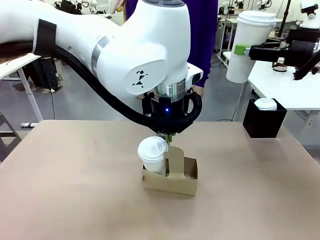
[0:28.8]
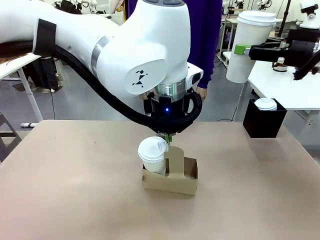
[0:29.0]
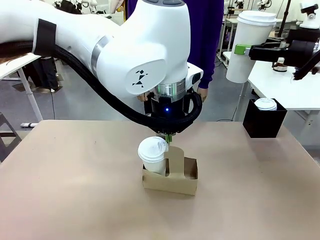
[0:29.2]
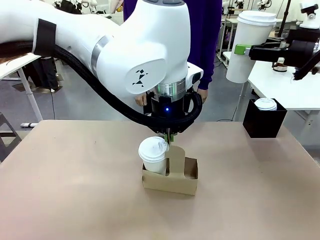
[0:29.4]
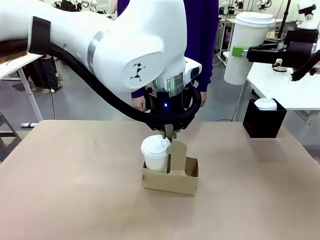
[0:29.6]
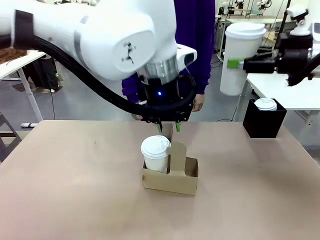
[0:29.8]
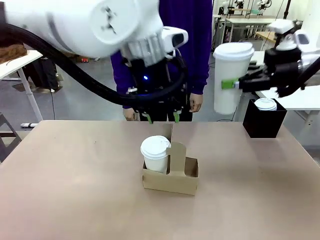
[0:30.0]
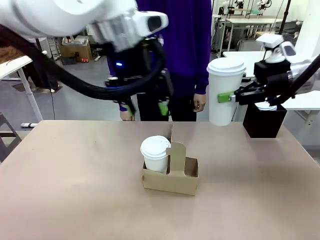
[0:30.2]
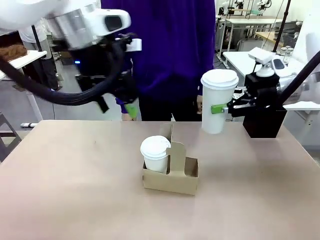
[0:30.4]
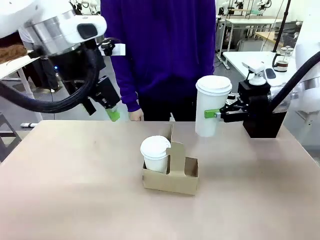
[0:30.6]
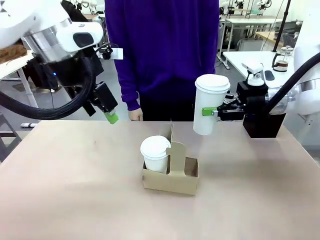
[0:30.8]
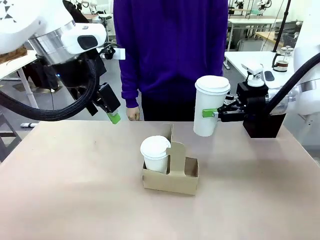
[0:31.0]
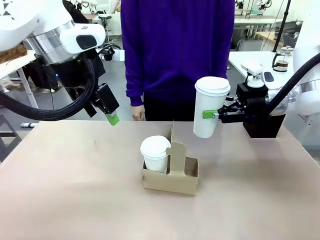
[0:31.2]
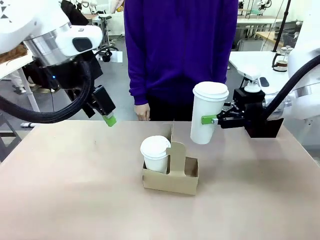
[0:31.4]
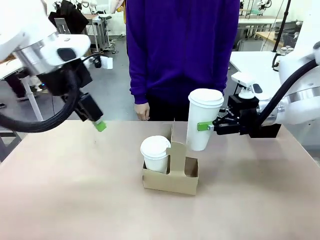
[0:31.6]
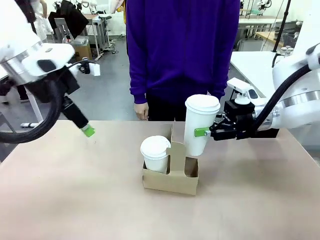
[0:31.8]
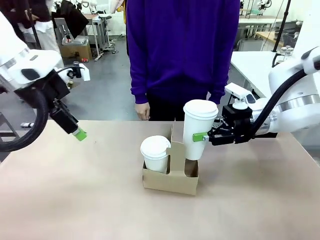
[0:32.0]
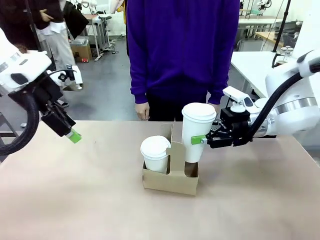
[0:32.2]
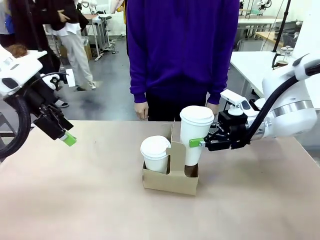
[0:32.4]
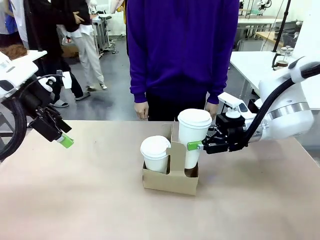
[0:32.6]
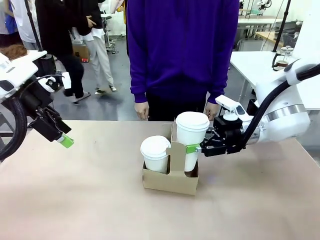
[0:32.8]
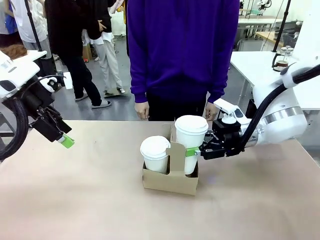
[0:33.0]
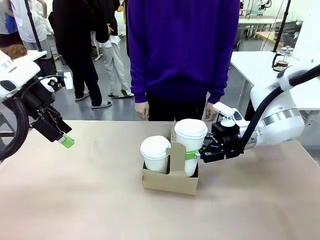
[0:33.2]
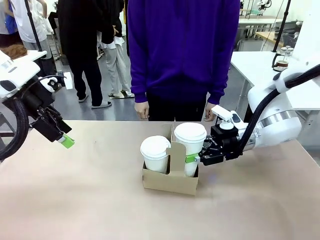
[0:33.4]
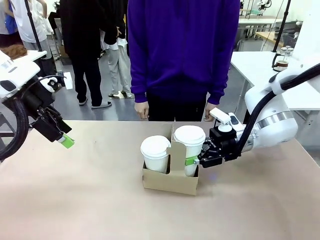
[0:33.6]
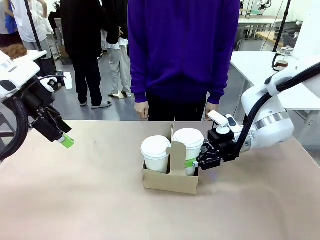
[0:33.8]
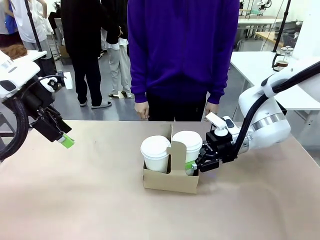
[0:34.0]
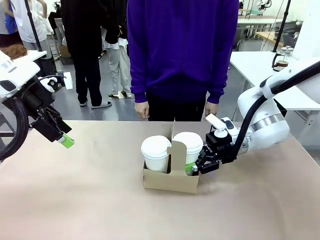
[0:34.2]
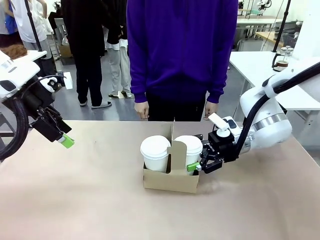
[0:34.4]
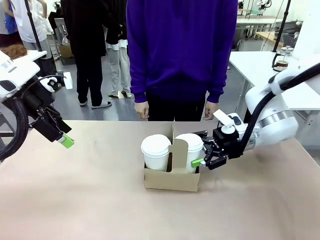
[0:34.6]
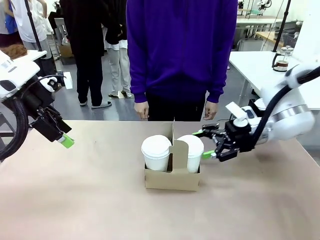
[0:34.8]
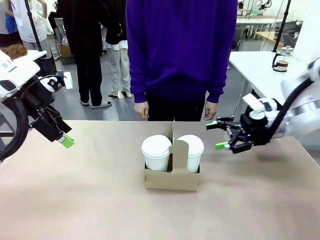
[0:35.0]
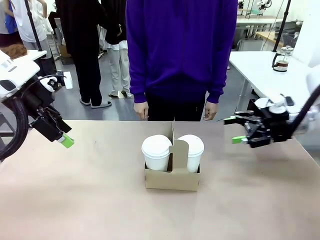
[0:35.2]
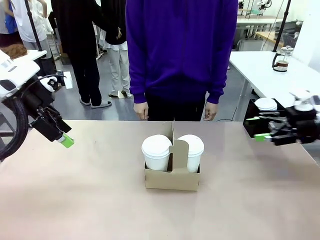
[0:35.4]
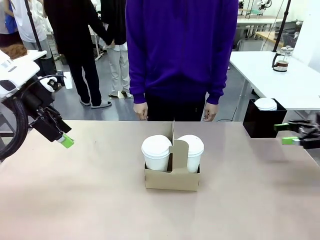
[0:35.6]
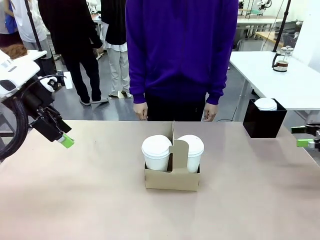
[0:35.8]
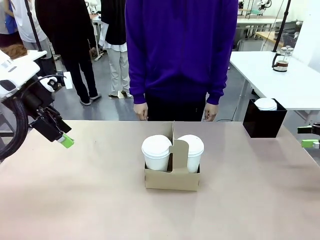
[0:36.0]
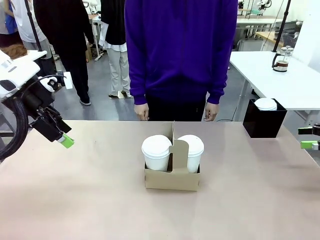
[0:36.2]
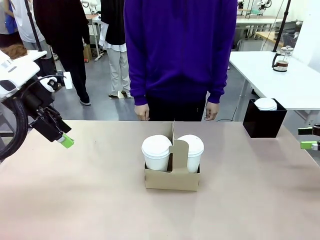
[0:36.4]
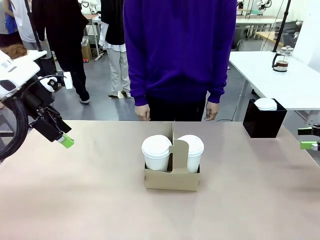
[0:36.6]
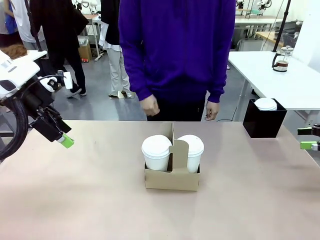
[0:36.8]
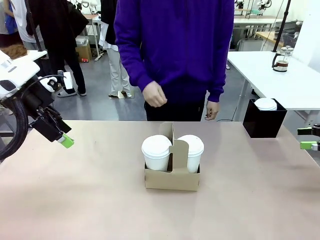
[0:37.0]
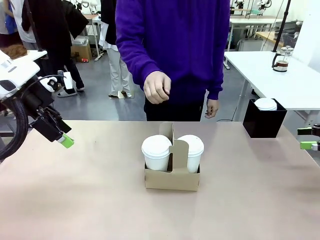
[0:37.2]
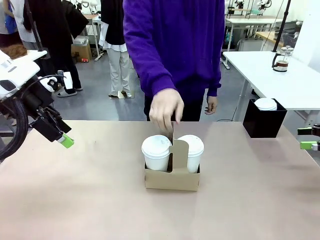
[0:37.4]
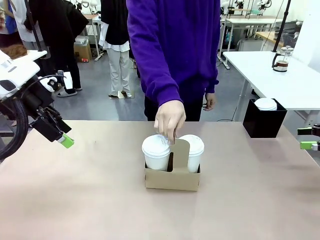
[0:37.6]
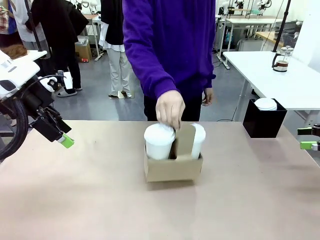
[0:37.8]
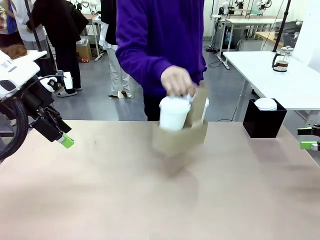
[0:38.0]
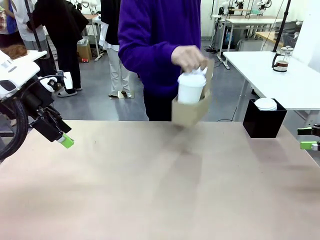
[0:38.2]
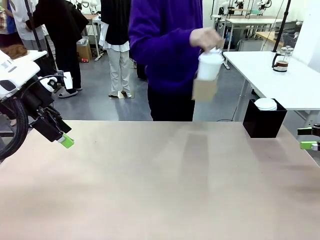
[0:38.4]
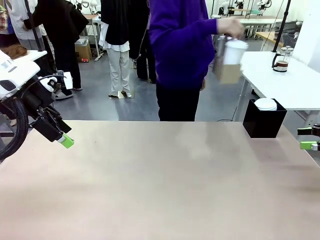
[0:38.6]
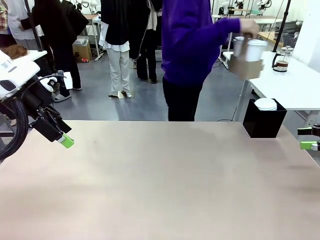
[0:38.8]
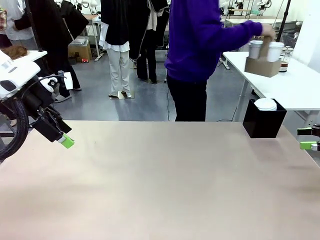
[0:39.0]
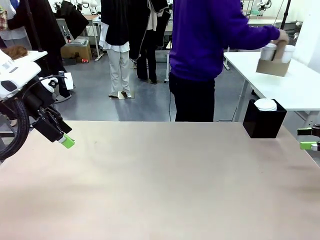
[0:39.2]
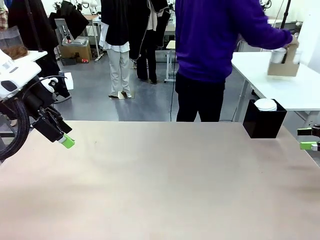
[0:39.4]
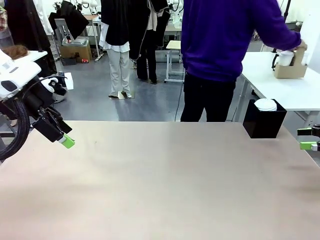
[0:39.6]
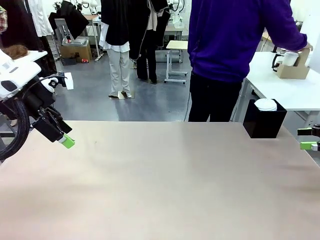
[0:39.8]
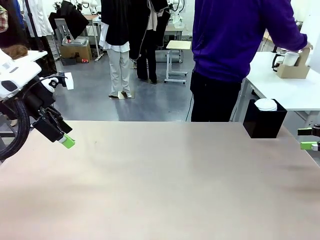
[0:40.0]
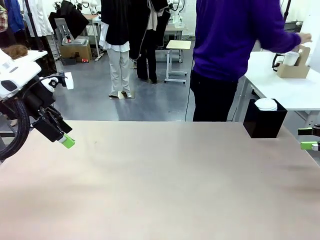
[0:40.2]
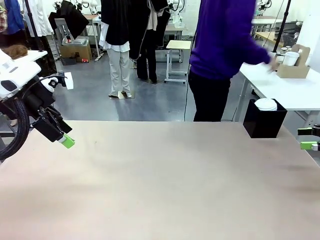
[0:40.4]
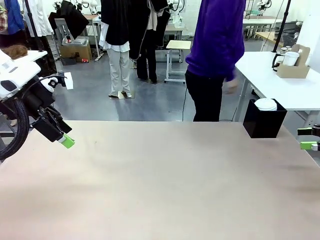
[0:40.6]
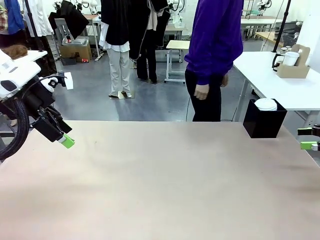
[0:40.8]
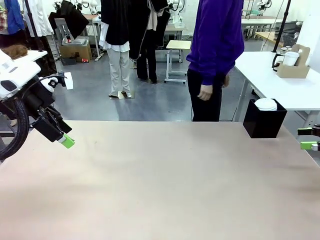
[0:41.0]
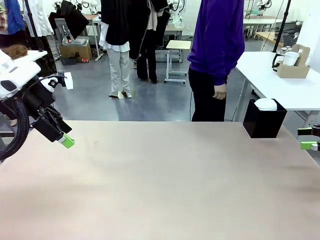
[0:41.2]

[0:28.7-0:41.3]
Task: Pour a drink into a cup and package it in a carrier.
Robot: Insert the held 600 ml Paper Cup into the Cup Carrier.
Person: Place the Cup Carrier to the middle of Human table.

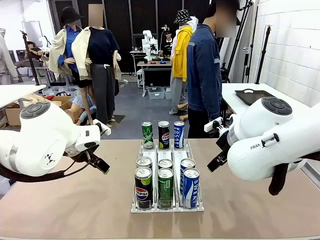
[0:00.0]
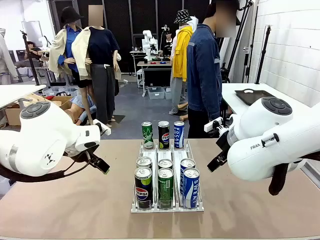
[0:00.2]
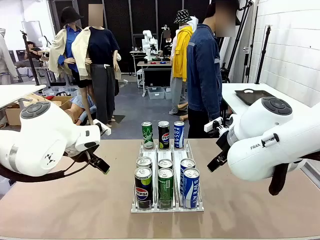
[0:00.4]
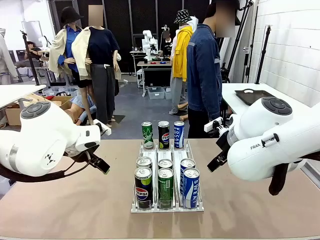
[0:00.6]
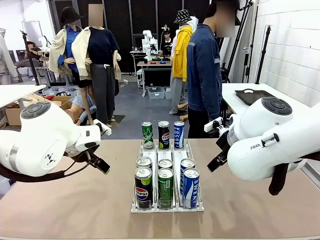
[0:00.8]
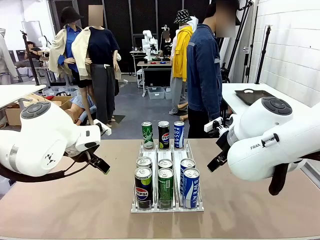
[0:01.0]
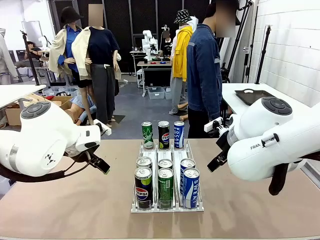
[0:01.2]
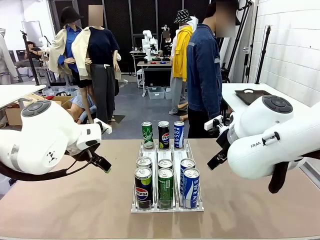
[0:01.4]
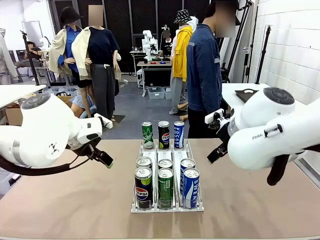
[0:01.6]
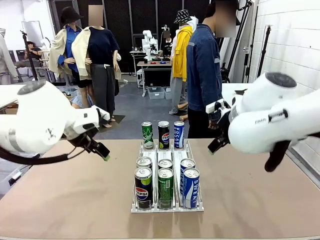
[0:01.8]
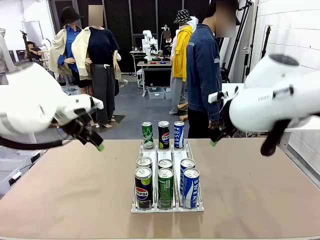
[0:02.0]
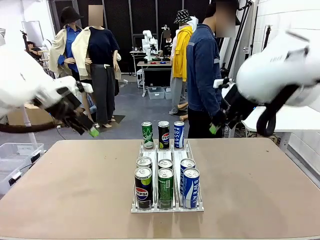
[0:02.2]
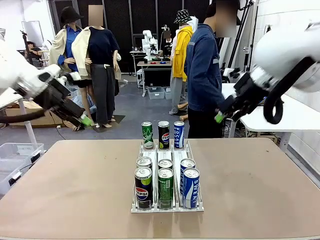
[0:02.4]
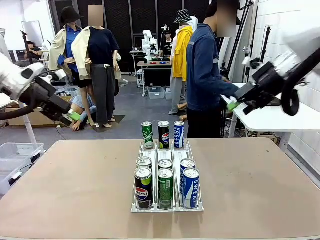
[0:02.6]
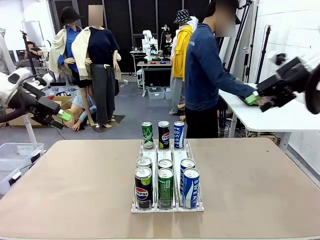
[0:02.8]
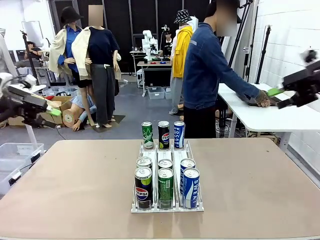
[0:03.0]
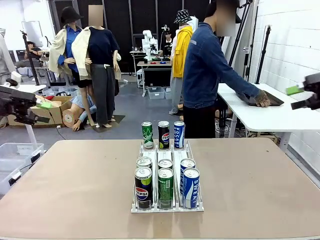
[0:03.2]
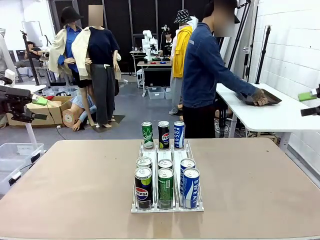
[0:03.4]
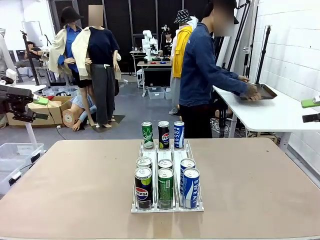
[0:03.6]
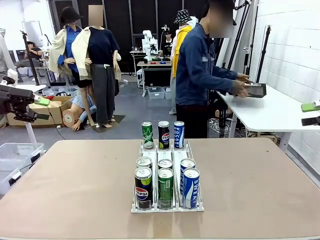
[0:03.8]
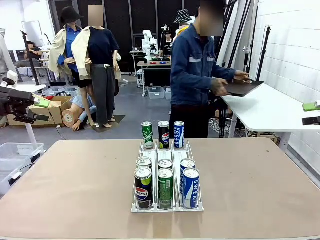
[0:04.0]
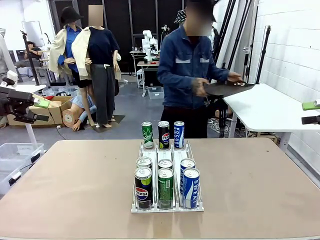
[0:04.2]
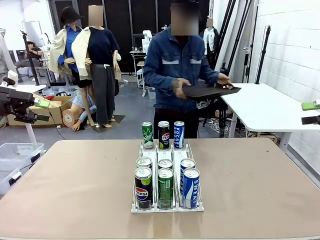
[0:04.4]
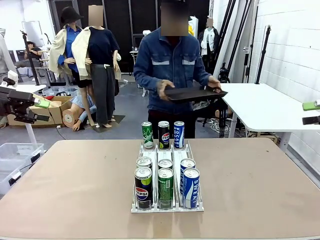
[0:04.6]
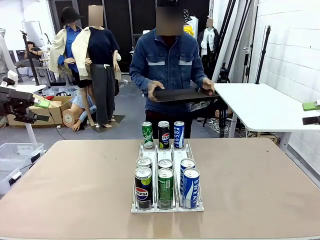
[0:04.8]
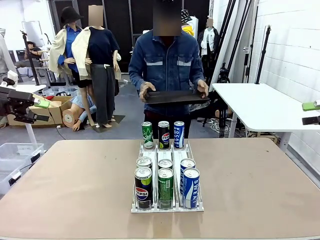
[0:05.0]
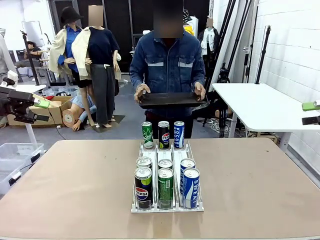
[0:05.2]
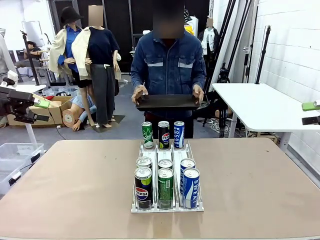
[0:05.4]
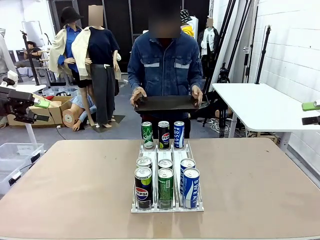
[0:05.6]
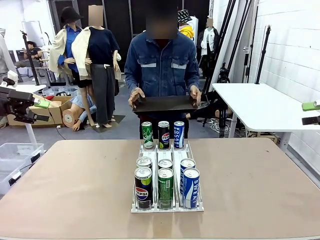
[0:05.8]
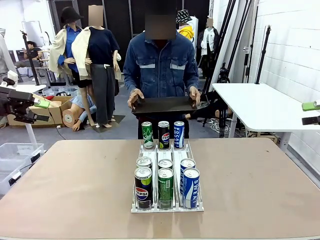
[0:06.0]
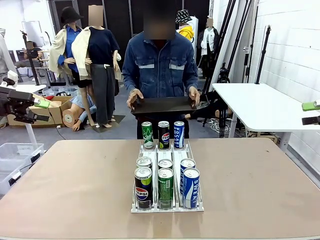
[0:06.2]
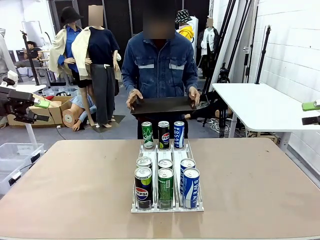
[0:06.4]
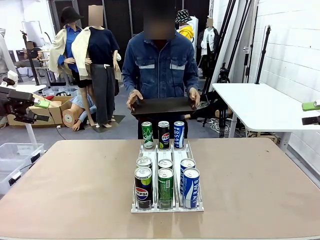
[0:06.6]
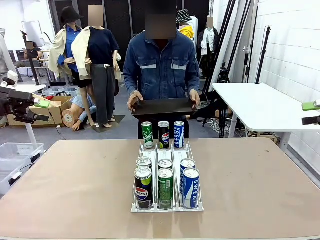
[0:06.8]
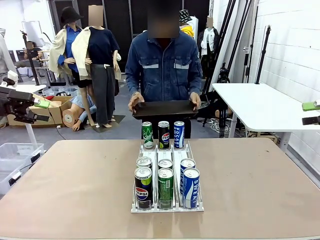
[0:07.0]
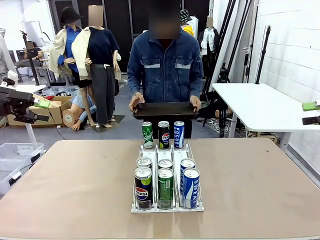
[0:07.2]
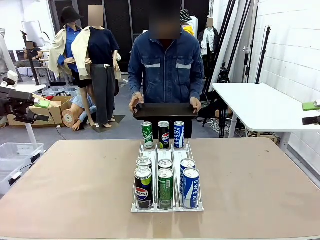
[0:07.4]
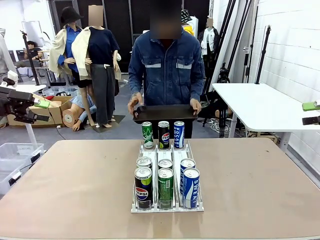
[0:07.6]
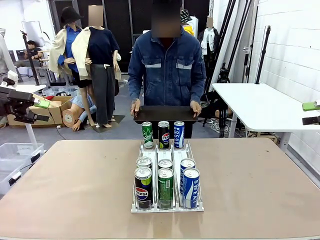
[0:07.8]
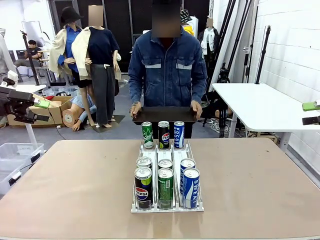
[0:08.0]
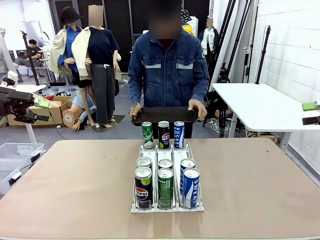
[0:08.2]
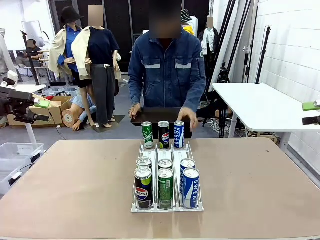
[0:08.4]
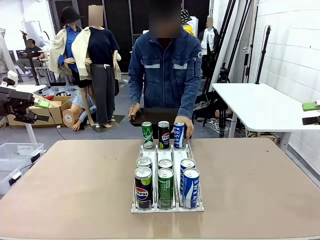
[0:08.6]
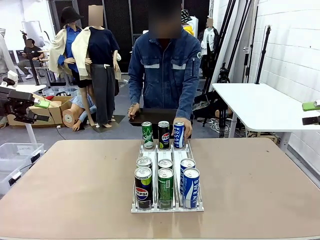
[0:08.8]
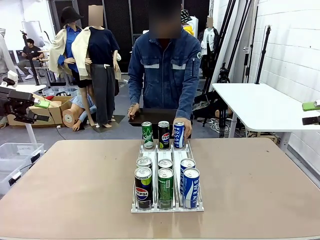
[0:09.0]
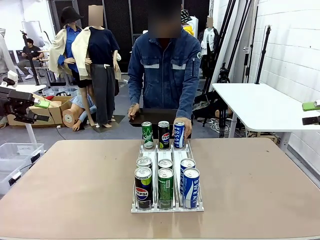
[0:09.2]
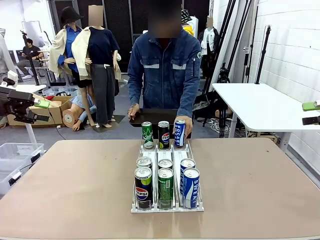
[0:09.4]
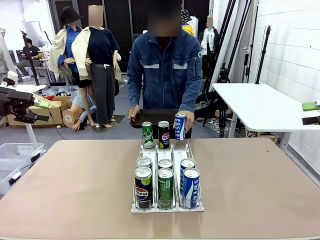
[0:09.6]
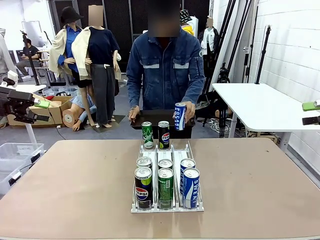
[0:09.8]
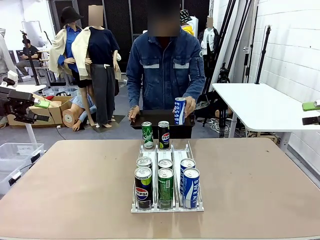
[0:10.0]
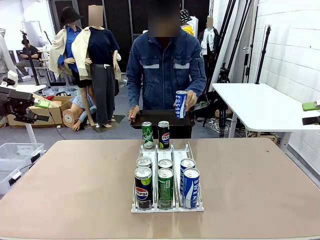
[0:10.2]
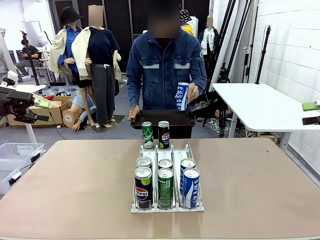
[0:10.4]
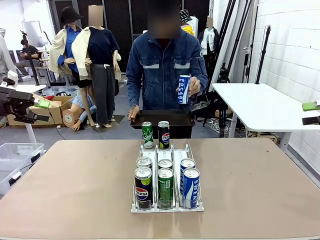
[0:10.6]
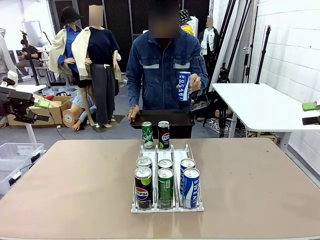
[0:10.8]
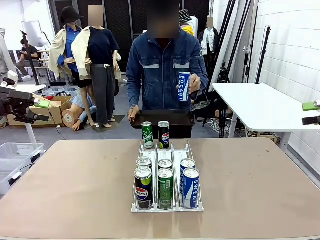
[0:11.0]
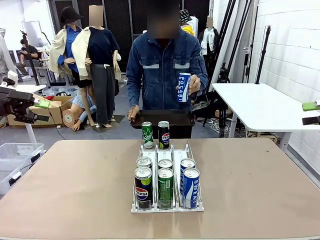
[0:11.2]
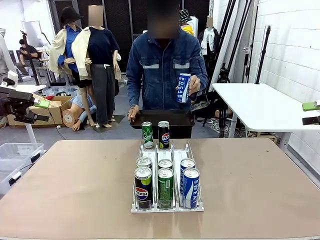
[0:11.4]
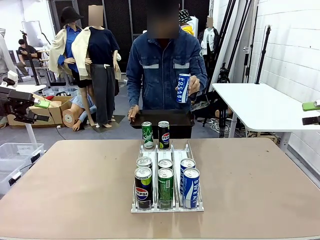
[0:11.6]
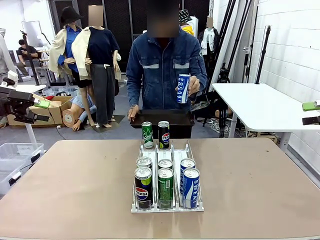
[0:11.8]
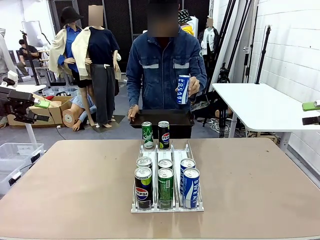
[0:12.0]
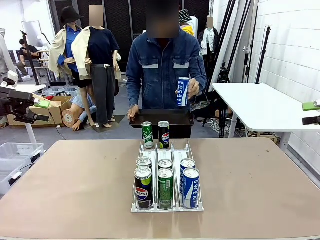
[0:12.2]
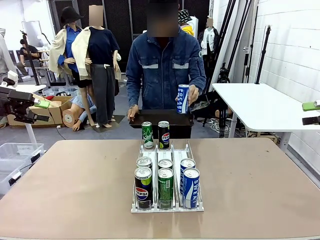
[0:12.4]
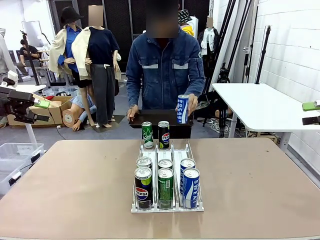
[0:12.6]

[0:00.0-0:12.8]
Task: Retrieve and hand over the desired beverage to the person.
Robot: Pick up a can of the same type that the person held from the Automatic Can Dispenser.
Person: Hold the tray and position yourself in front of the robot table. Pick up one can from the bottom area of the table and puts it back in its original place.
